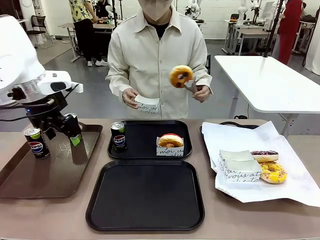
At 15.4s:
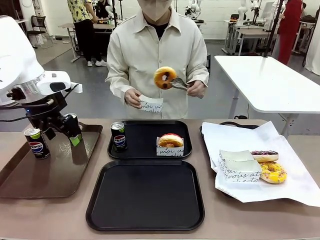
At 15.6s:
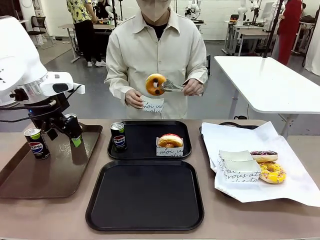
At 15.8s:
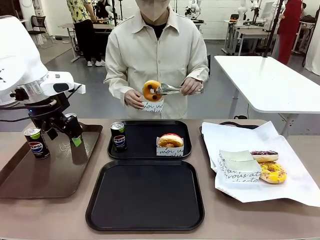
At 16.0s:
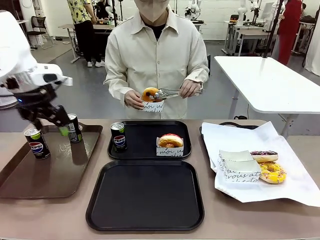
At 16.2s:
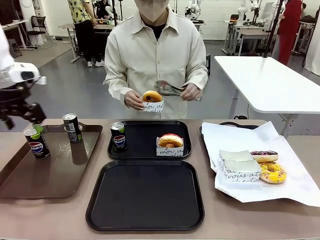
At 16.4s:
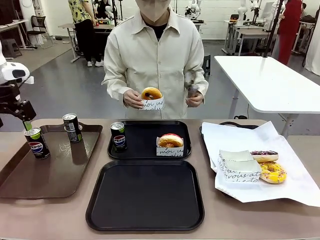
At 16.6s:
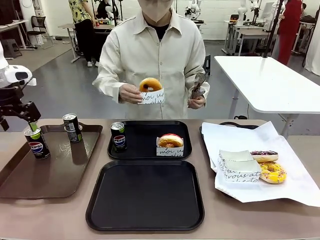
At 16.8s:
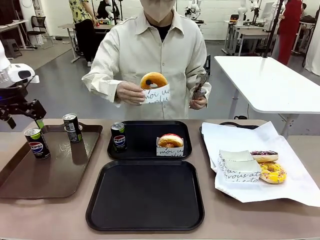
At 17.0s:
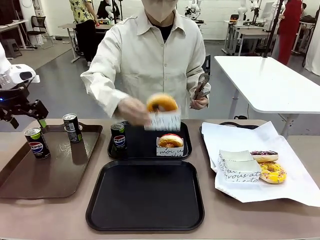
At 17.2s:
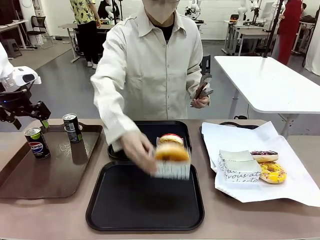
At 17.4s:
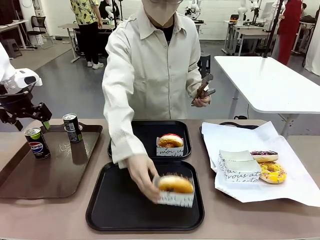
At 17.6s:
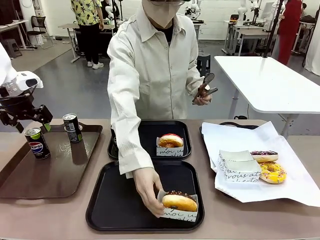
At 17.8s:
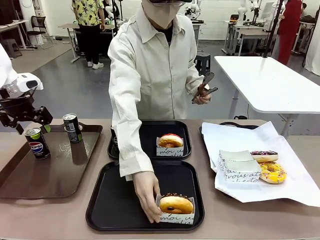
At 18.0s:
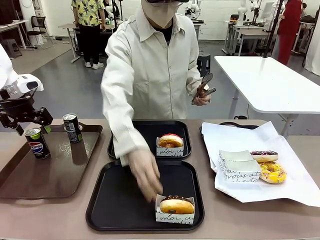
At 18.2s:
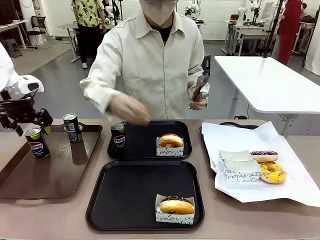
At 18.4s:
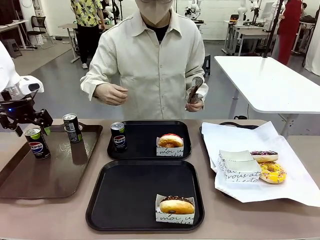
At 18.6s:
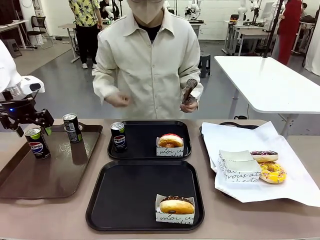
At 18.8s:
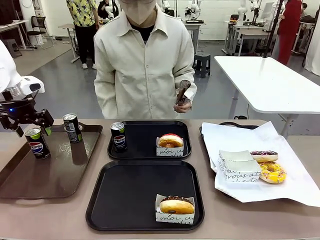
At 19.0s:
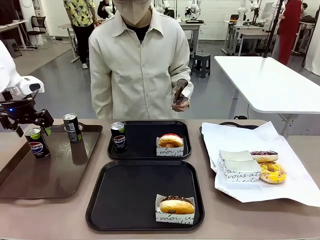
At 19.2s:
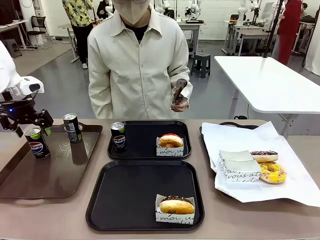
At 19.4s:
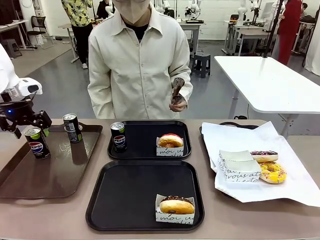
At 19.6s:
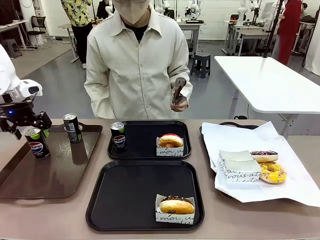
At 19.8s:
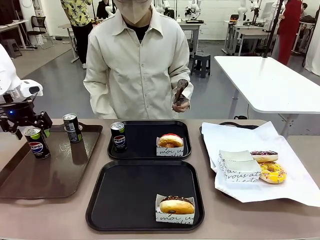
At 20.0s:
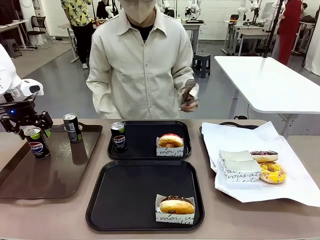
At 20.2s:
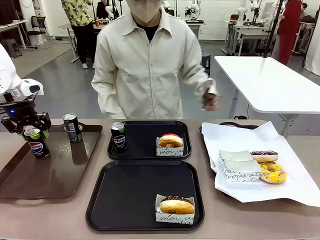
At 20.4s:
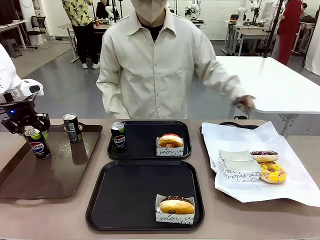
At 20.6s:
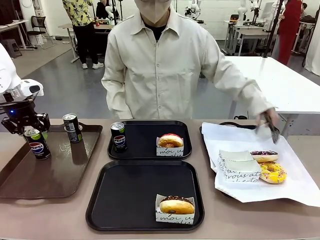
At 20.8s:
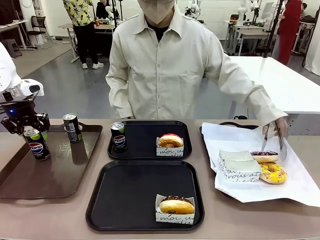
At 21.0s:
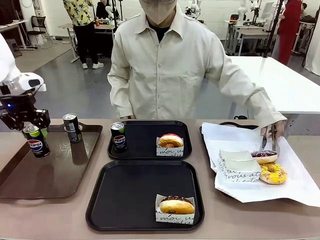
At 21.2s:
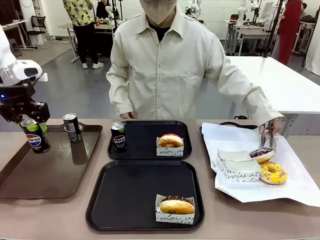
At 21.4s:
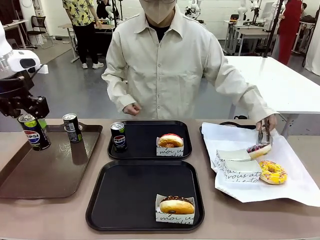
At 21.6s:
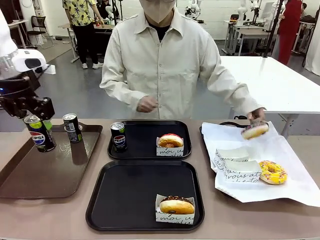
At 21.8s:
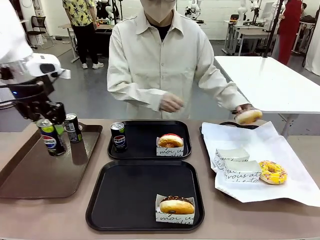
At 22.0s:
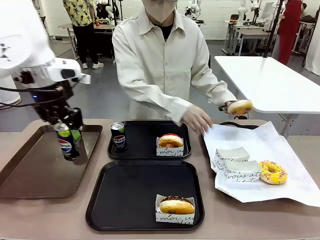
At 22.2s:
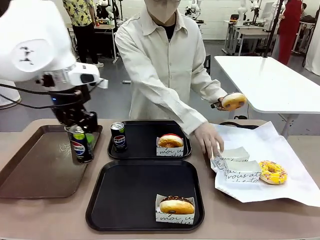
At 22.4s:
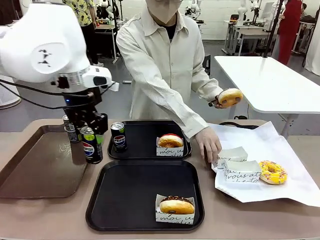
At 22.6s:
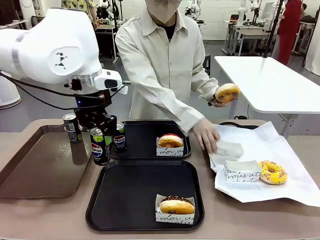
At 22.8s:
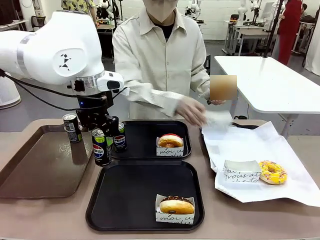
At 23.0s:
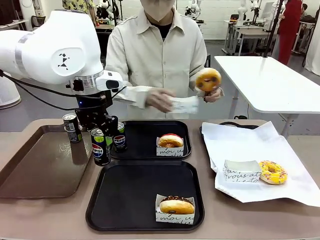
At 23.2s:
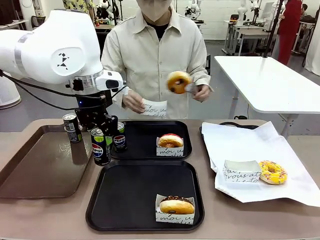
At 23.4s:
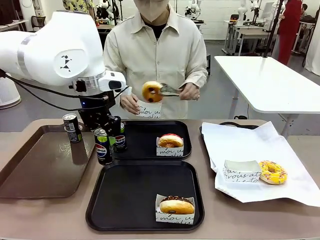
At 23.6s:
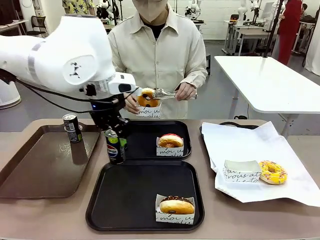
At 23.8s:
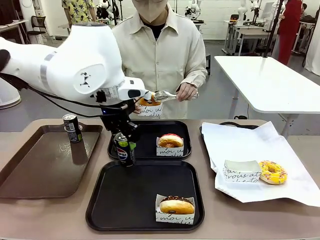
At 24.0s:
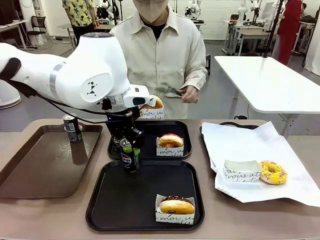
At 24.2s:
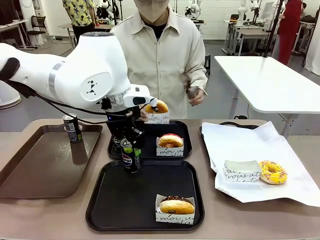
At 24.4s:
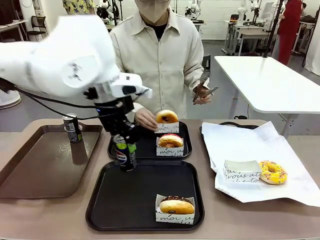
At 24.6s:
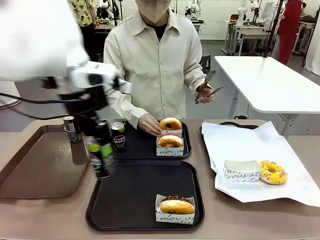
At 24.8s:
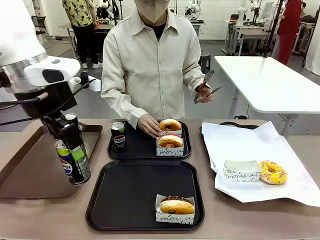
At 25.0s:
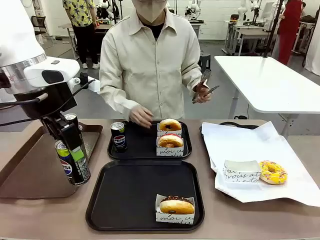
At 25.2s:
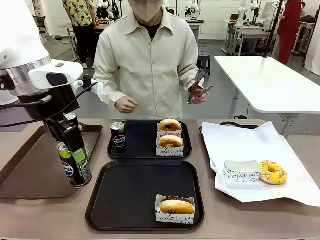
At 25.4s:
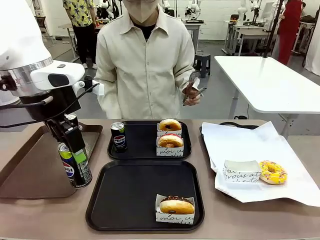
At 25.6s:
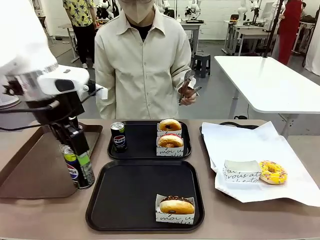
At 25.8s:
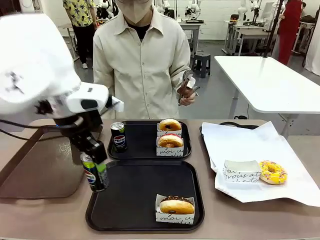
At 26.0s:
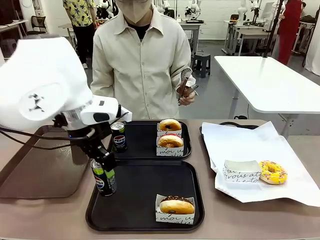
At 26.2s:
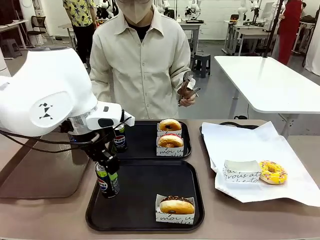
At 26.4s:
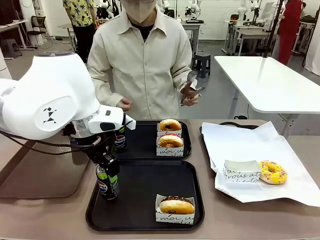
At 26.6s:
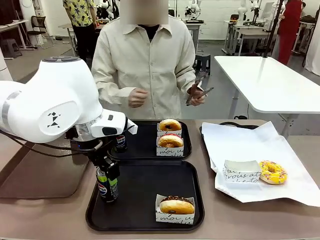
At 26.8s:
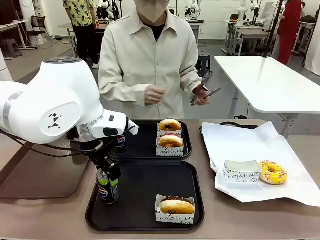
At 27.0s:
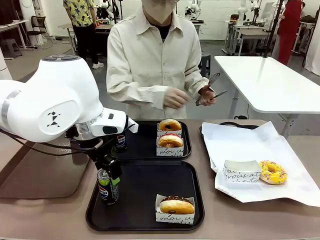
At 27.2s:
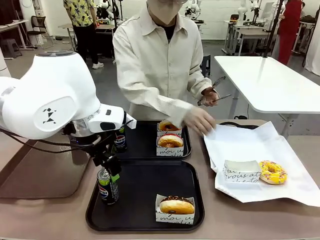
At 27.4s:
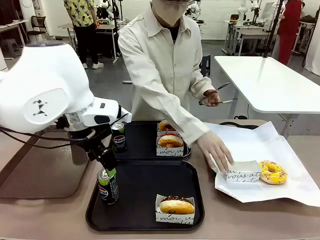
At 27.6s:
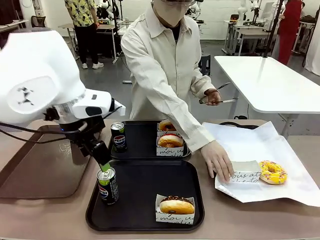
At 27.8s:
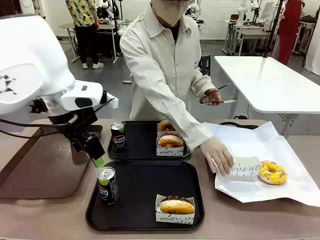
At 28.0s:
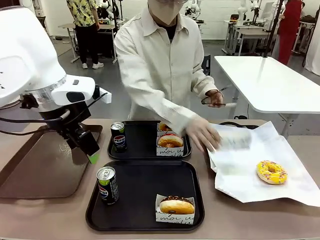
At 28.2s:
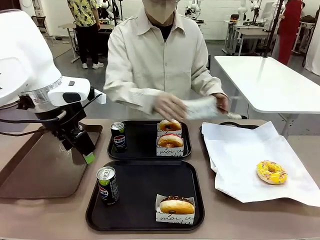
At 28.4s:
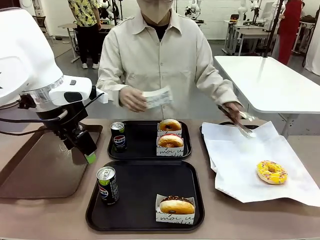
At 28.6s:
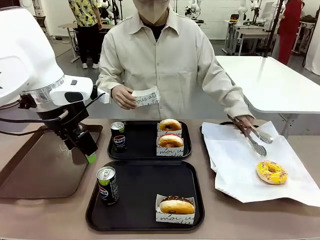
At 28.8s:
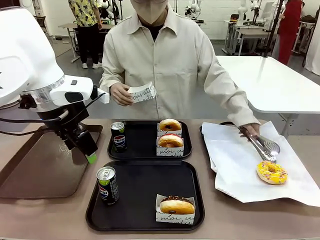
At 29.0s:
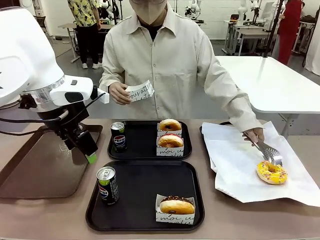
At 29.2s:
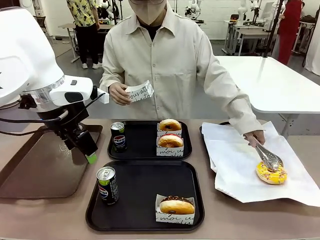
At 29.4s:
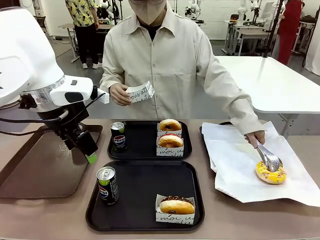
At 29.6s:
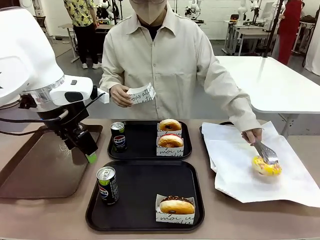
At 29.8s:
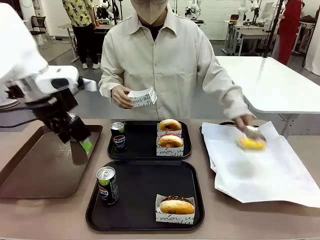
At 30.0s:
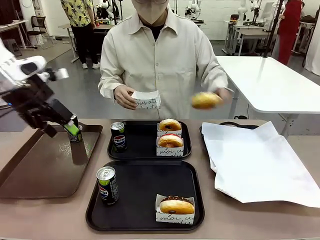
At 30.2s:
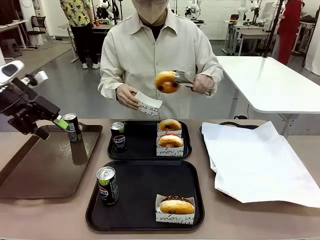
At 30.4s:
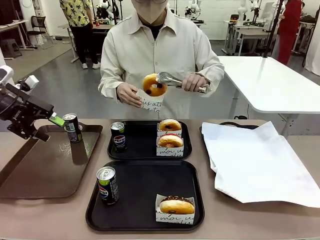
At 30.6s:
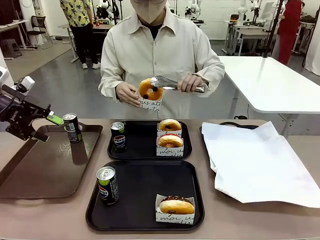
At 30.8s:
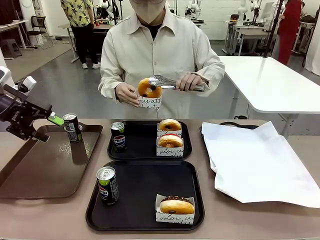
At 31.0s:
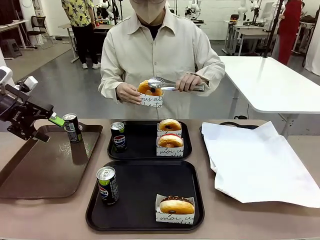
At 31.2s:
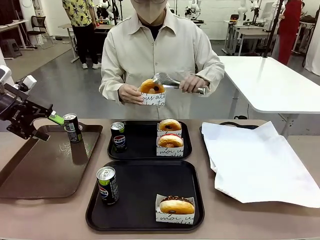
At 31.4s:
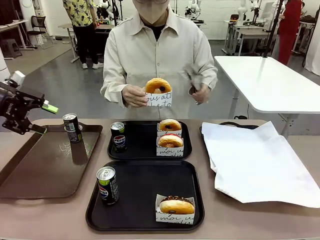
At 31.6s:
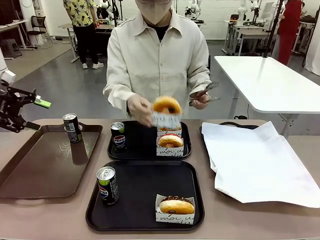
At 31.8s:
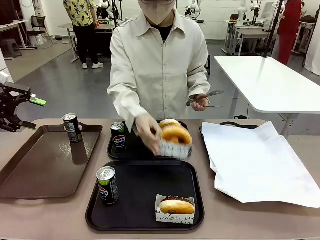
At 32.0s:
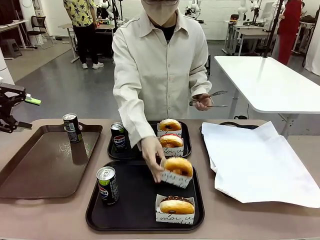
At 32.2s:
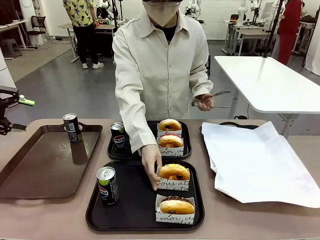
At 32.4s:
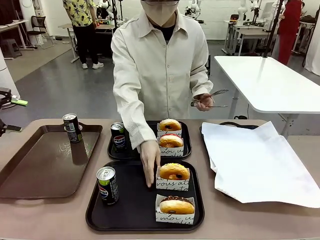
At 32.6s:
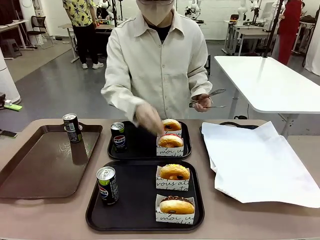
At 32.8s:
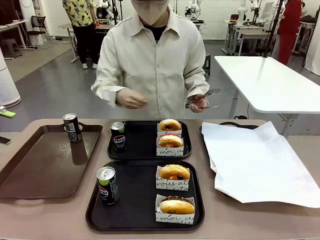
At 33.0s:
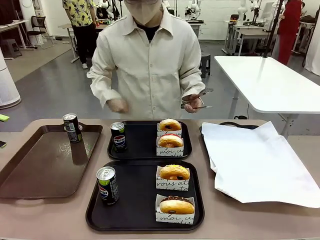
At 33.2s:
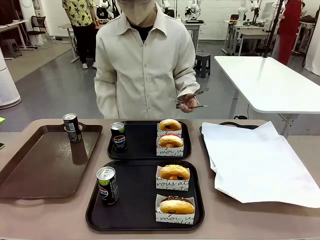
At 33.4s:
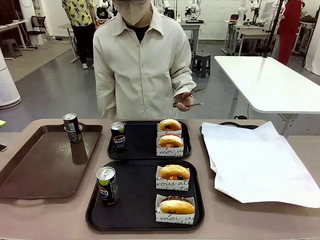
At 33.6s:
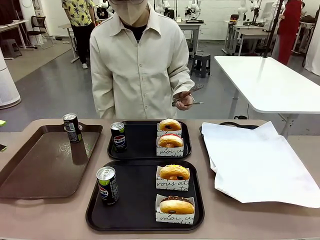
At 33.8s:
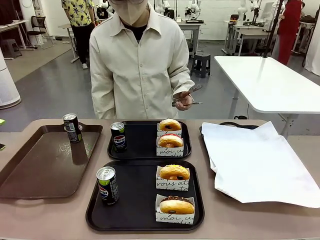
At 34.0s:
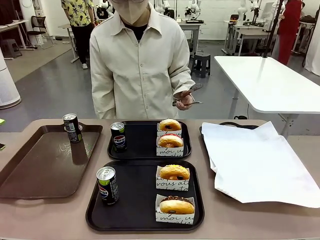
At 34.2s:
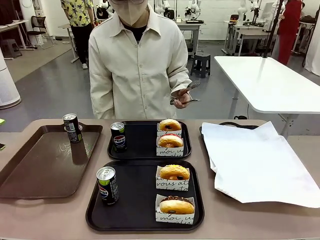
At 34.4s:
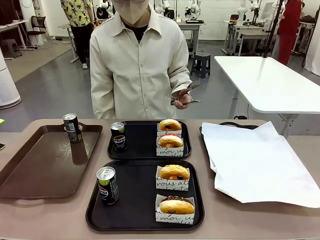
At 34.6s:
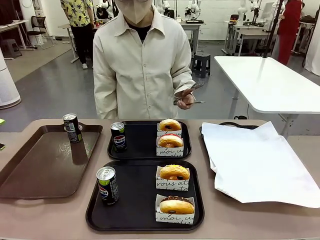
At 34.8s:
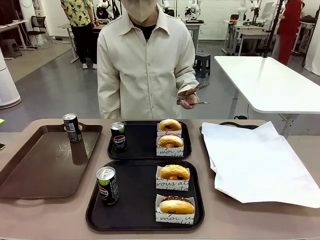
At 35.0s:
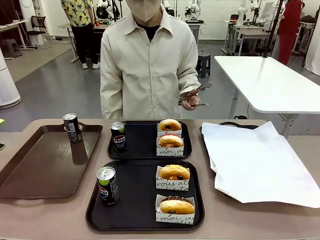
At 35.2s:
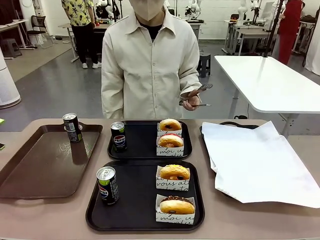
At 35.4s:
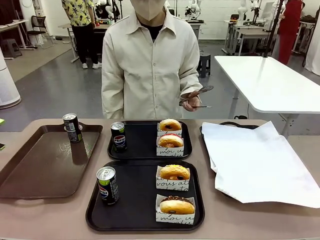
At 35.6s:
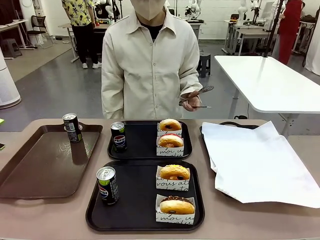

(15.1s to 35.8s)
Task: Set up donuts and drinks on trays.
Robot: Pick up one Pepsi coke from the Handle tray and place it on the Flat Tray without a Pepsi coke.
Person: Pick up one donut with tongs, place it in the donut tray, and then place the donut tray on the flat tray.
